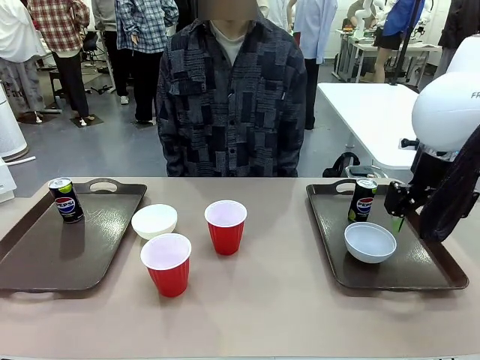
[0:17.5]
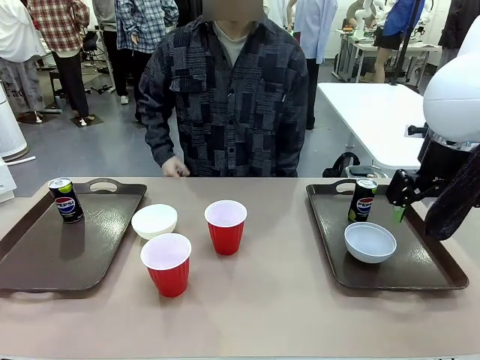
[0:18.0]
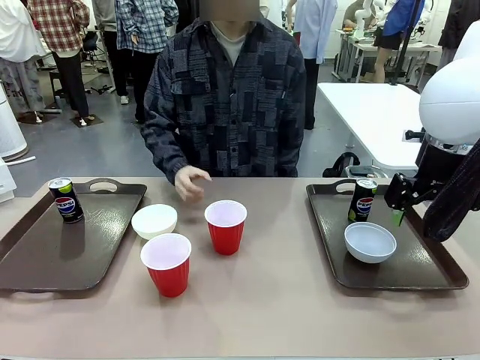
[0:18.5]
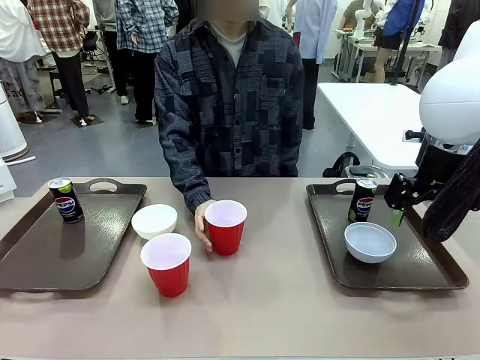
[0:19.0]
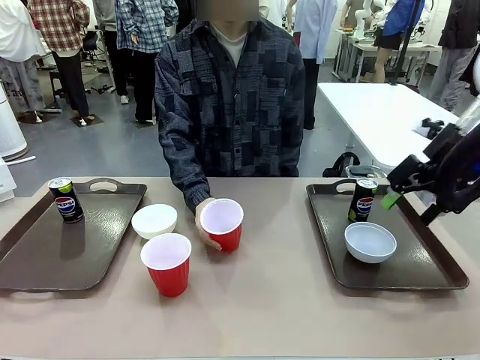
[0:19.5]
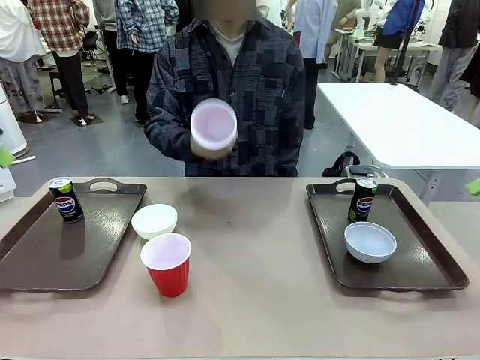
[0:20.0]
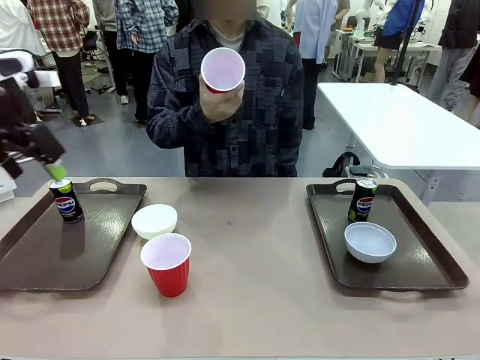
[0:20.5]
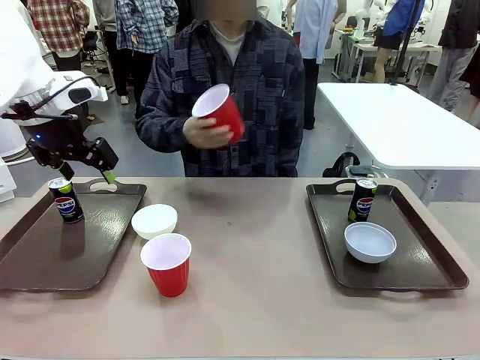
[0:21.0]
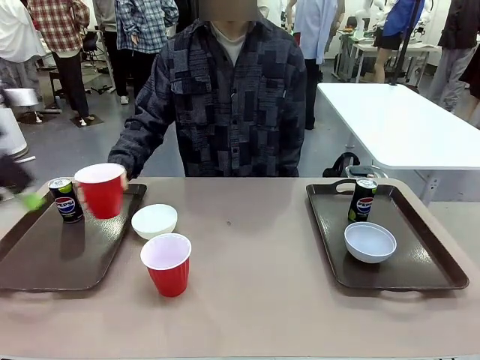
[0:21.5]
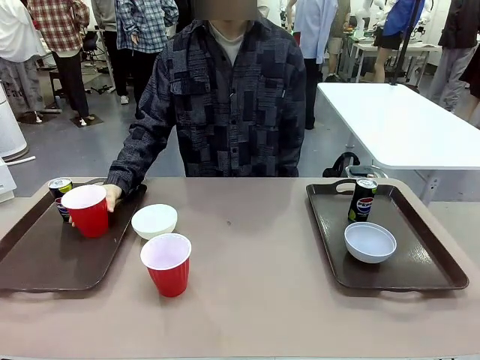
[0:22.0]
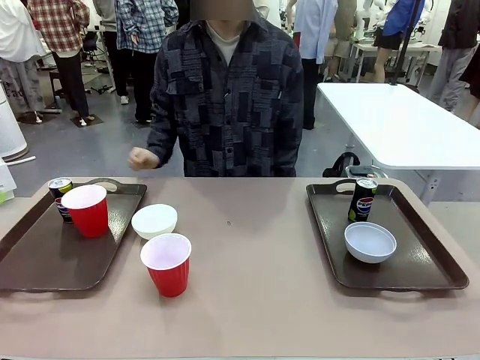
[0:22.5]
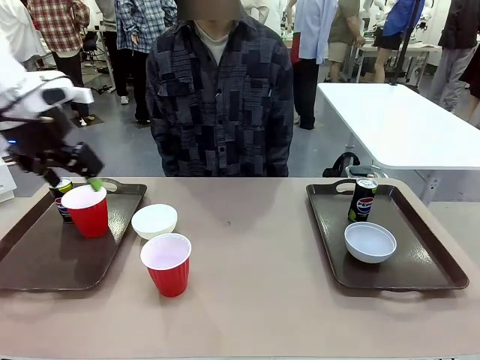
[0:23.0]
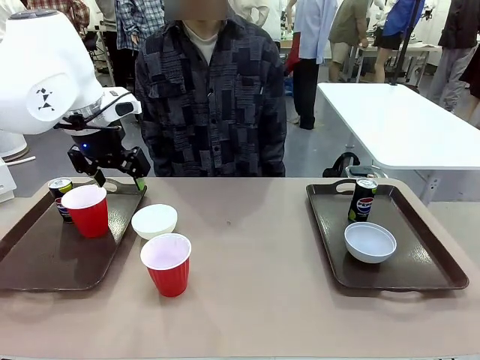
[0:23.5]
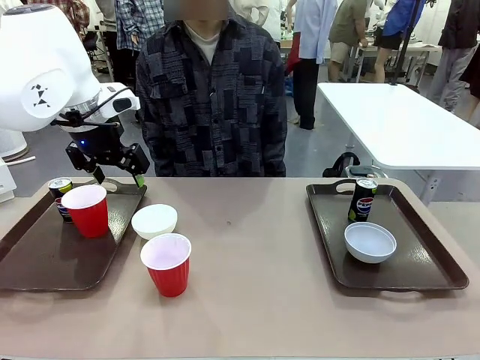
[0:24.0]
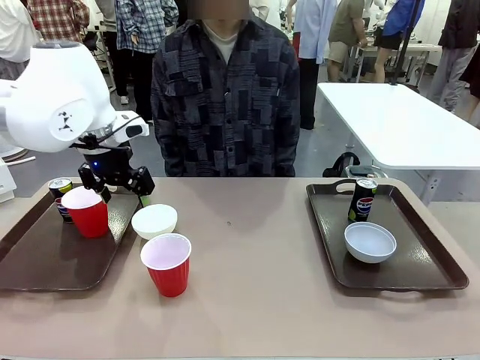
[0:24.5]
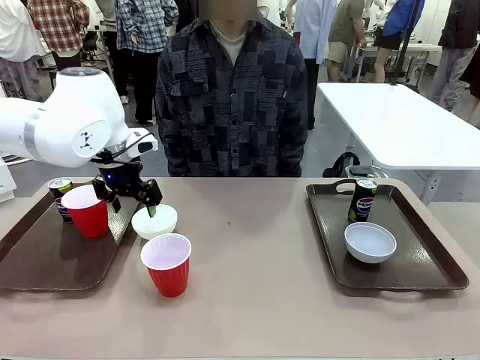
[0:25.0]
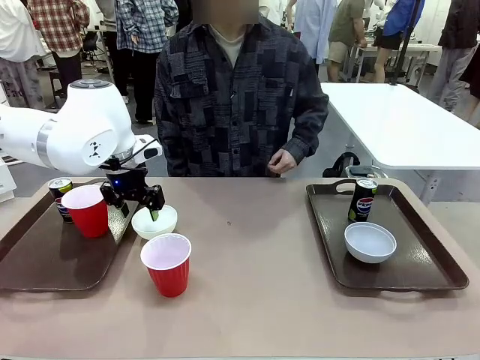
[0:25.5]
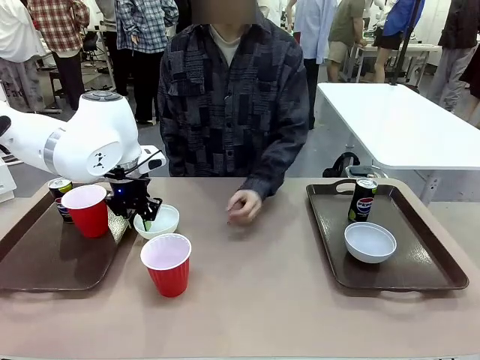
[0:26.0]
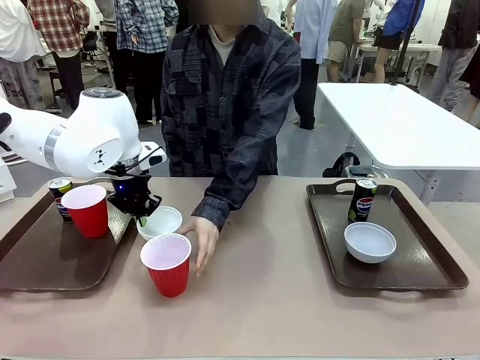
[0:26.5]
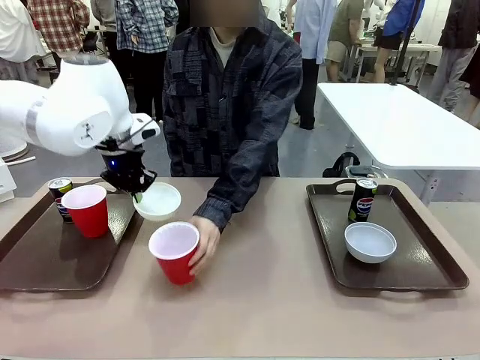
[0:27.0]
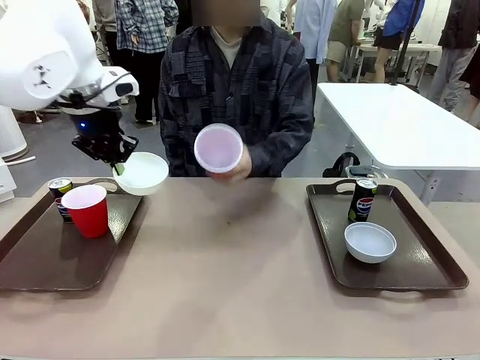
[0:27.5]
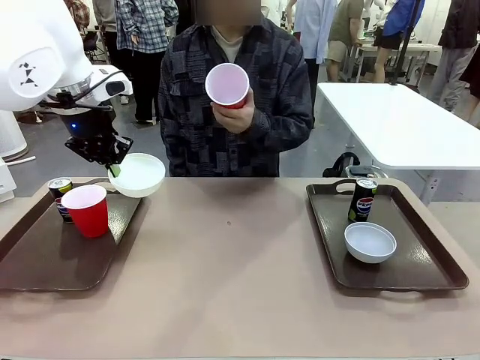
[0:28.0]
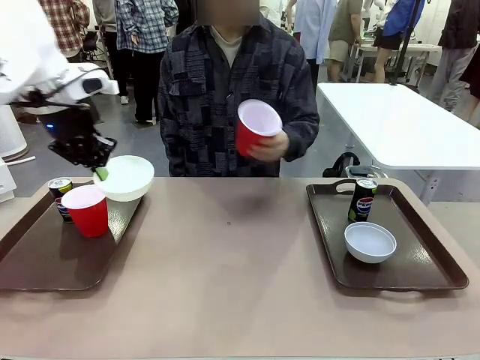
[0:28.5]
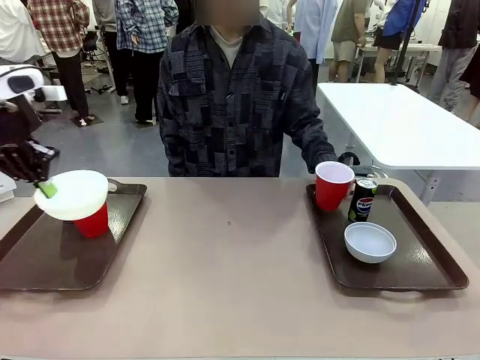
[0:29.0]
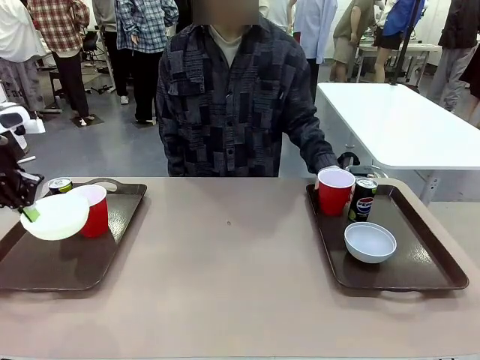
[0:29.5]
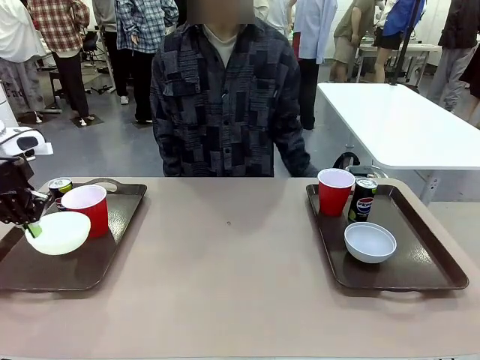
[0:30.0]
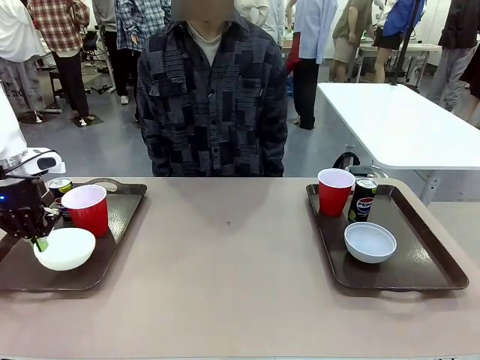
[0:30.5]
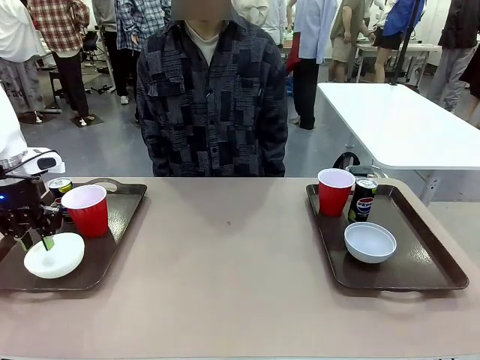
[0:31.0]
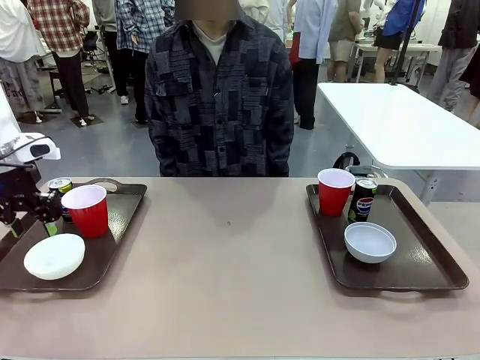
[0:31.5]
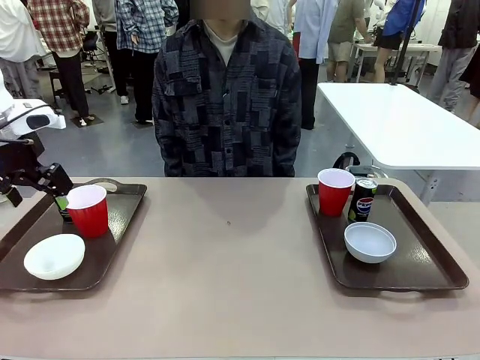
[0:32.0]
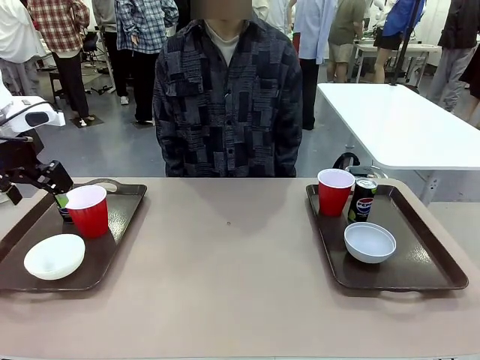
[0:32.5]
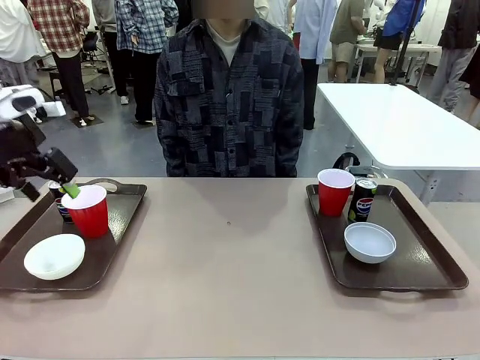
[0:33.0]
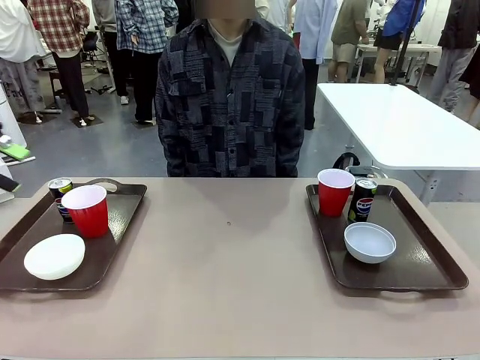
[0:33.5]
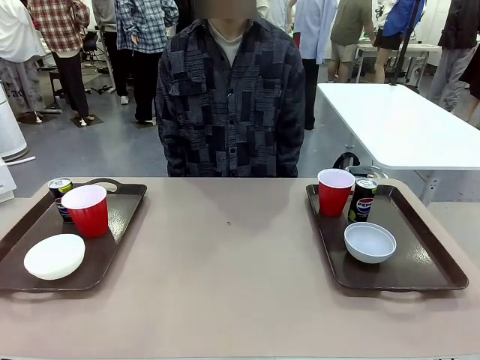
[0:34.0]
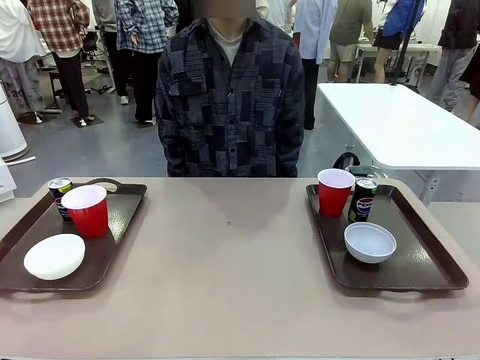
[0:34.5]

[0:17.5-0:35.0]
Task: Prepare tableware on both trays.
Robot: Pick up a Picnic Bowl from the table and place it on a Handle tray.
Person: Pick up a can or cup and place it on the tray without a can or cup.
